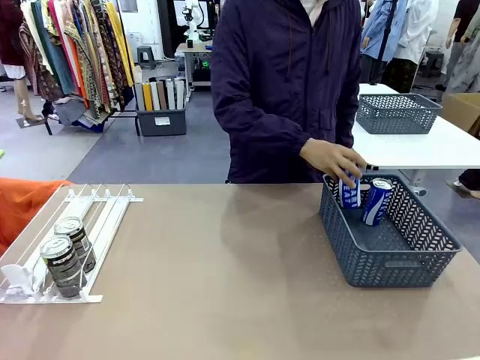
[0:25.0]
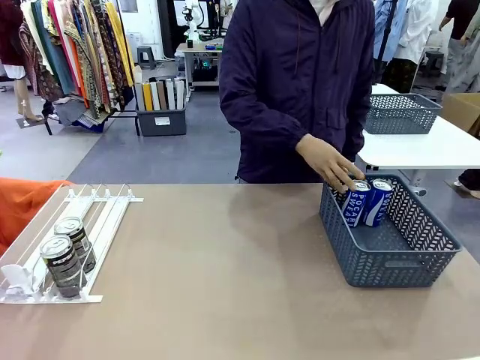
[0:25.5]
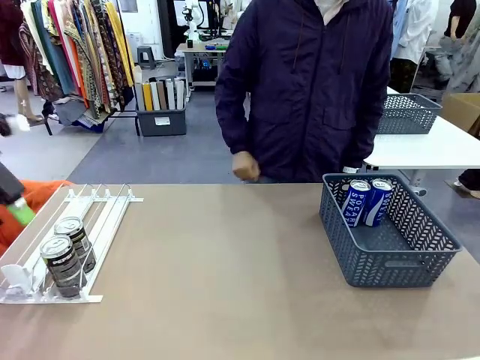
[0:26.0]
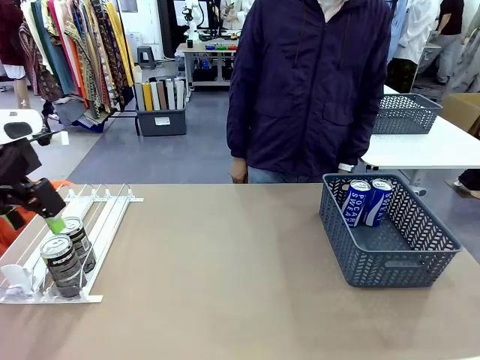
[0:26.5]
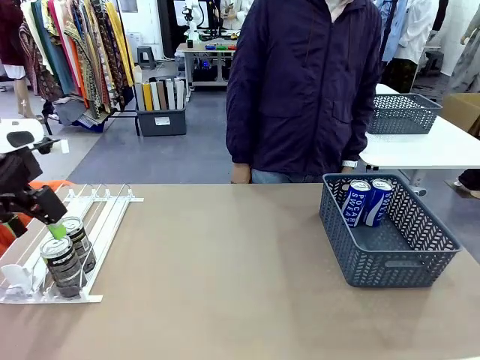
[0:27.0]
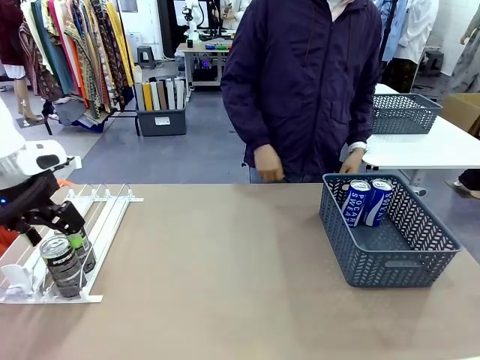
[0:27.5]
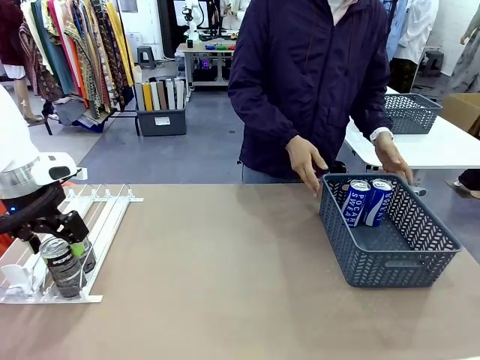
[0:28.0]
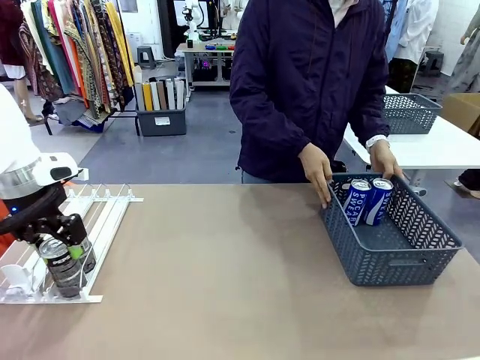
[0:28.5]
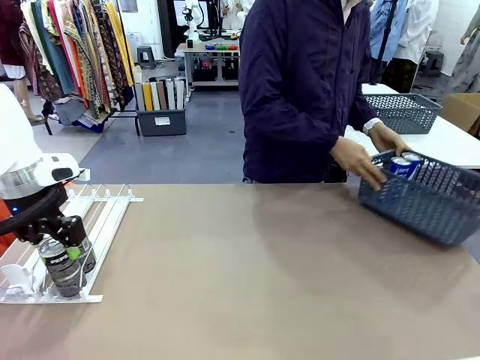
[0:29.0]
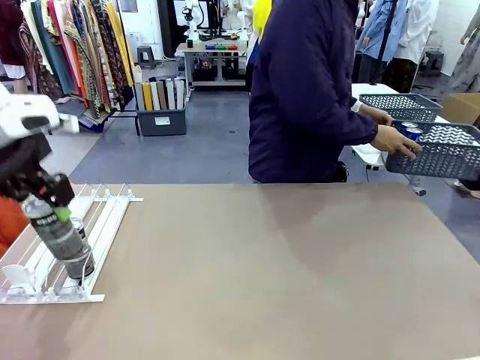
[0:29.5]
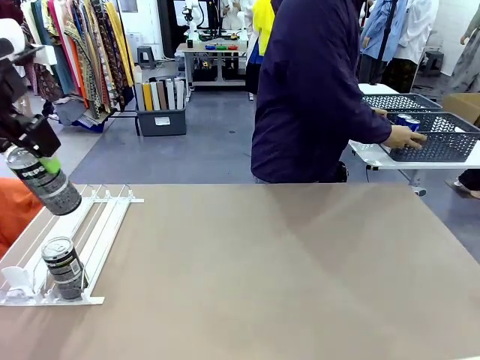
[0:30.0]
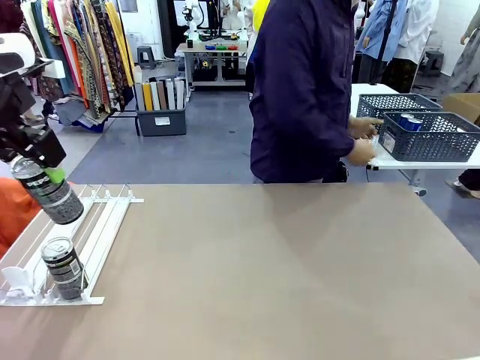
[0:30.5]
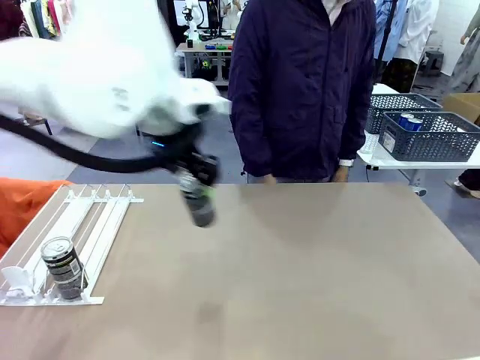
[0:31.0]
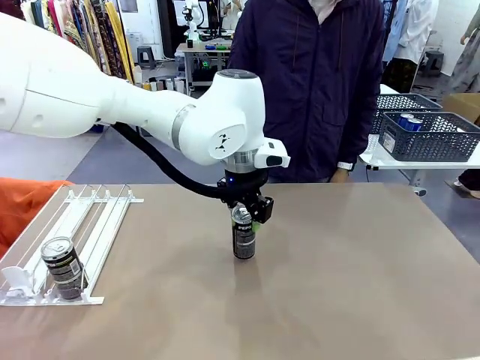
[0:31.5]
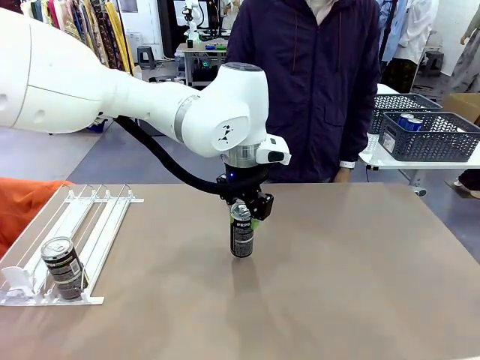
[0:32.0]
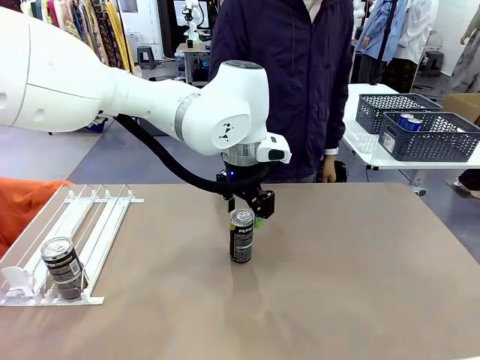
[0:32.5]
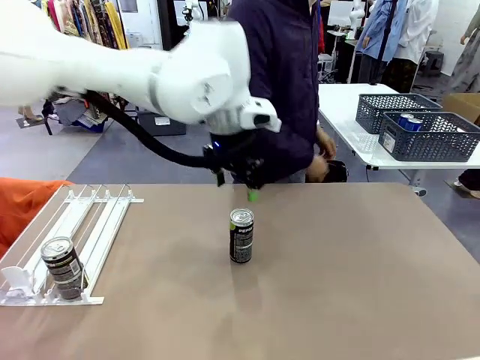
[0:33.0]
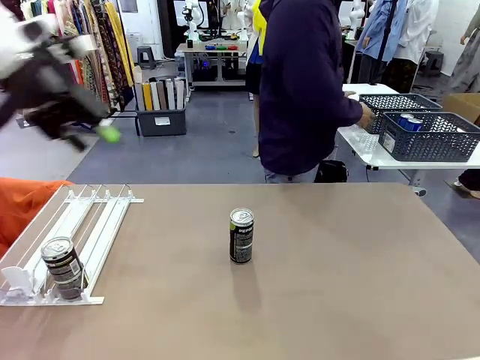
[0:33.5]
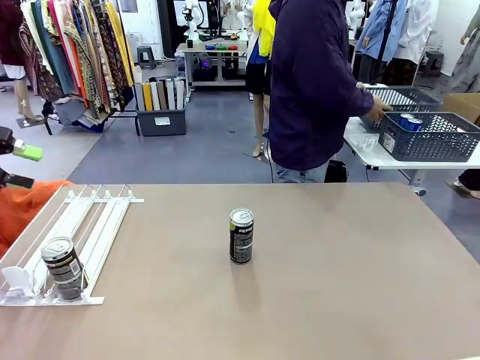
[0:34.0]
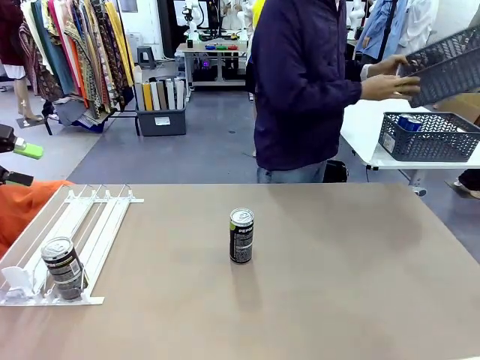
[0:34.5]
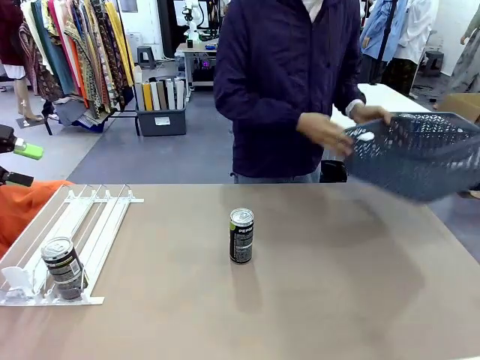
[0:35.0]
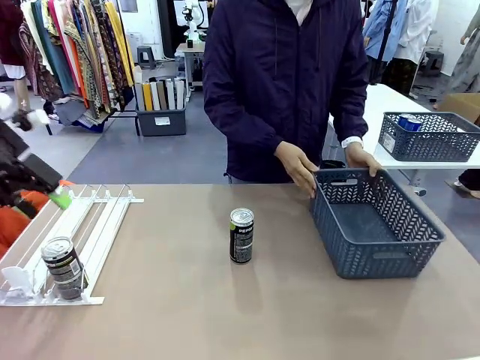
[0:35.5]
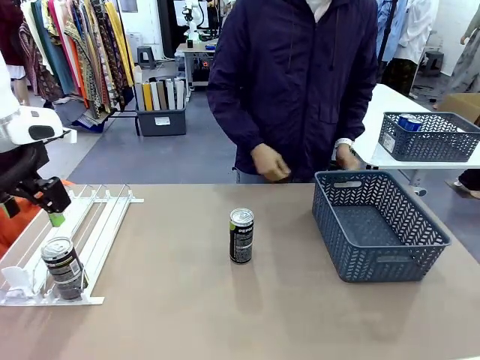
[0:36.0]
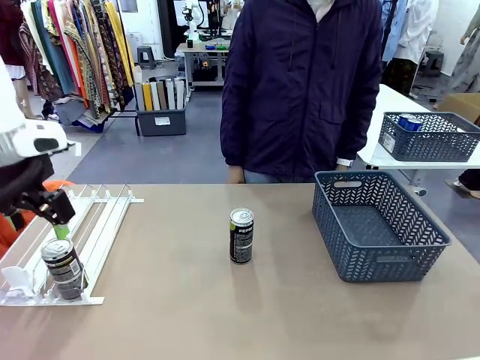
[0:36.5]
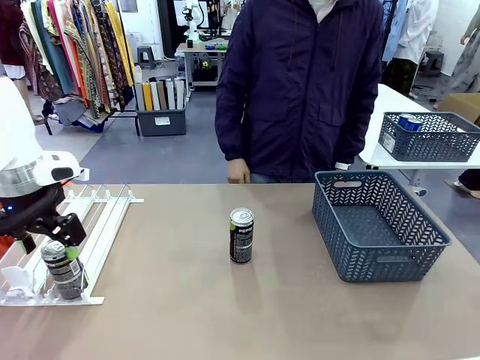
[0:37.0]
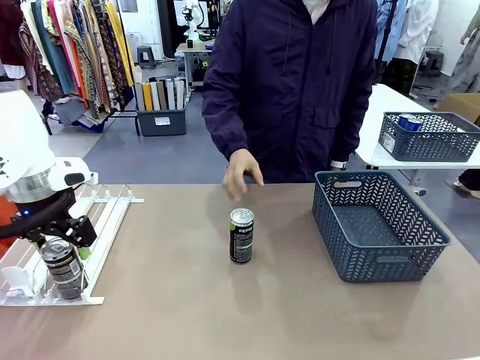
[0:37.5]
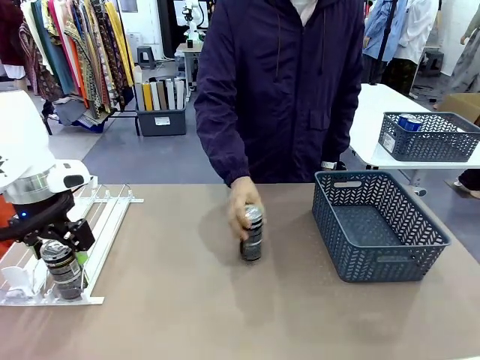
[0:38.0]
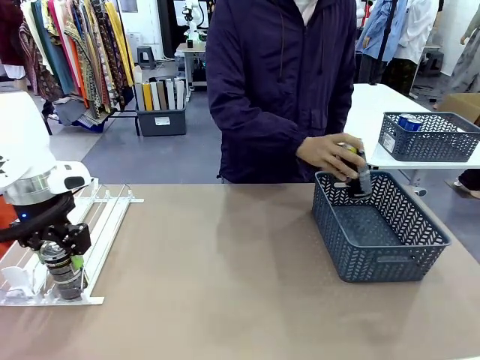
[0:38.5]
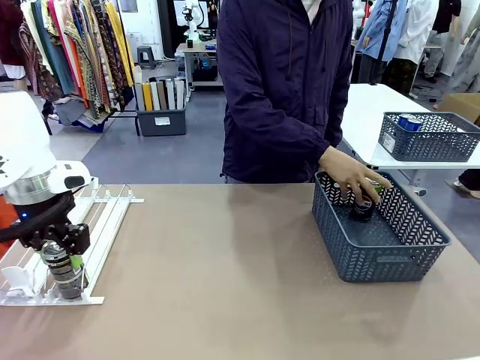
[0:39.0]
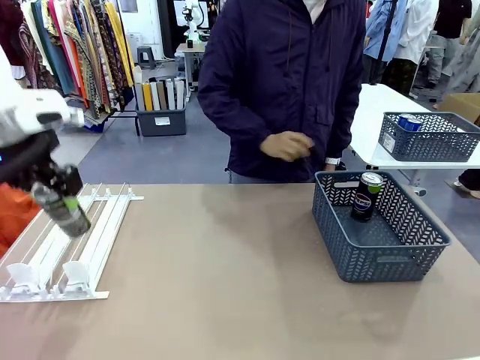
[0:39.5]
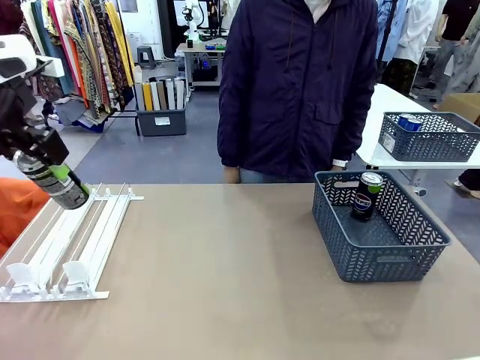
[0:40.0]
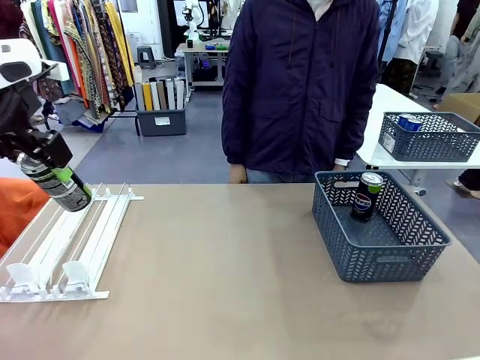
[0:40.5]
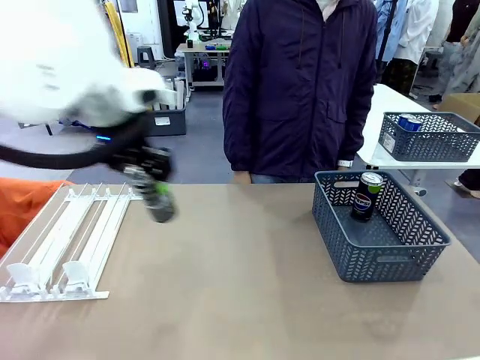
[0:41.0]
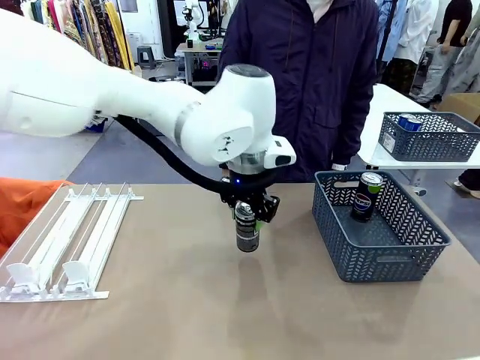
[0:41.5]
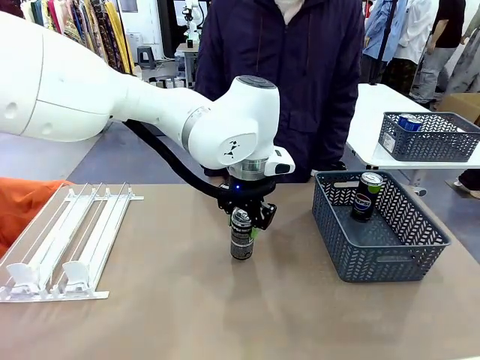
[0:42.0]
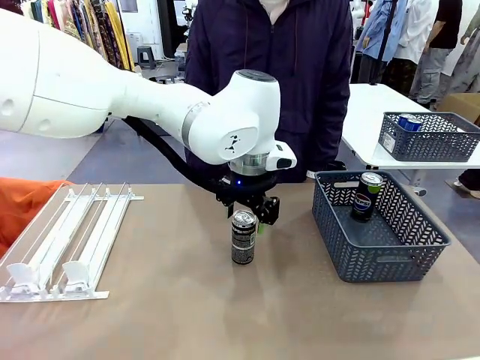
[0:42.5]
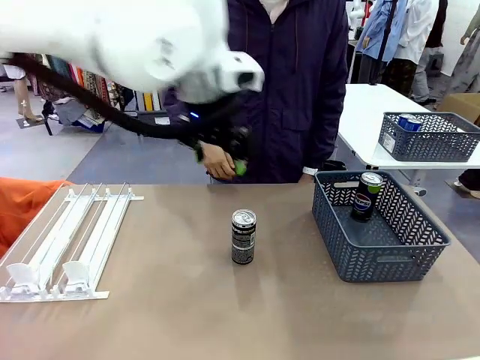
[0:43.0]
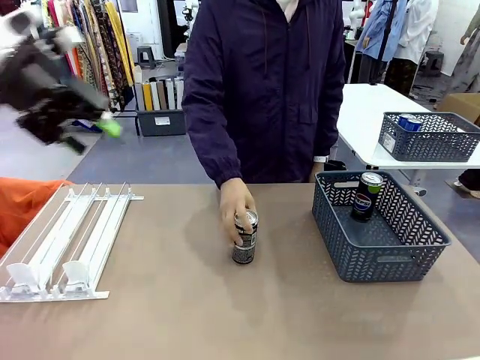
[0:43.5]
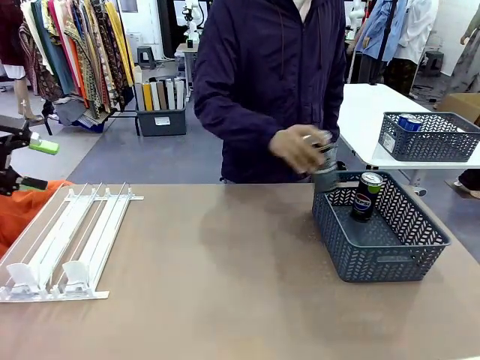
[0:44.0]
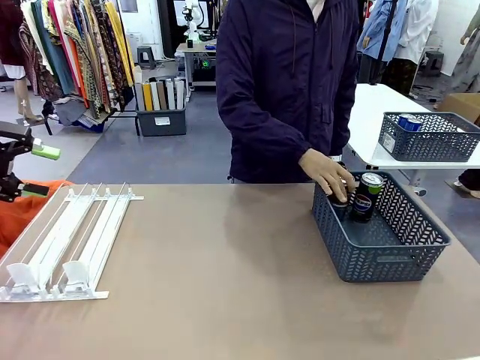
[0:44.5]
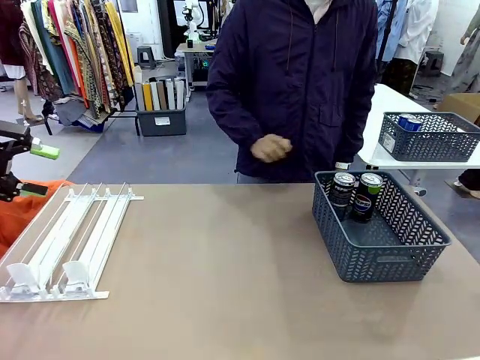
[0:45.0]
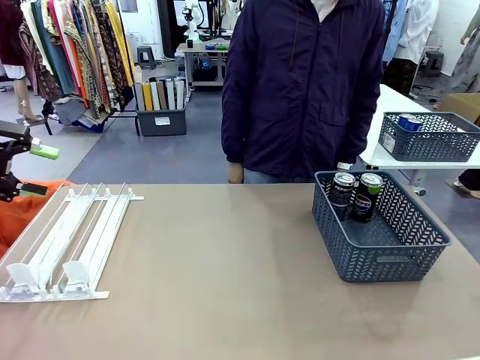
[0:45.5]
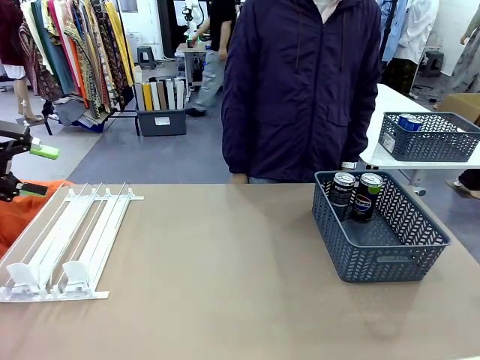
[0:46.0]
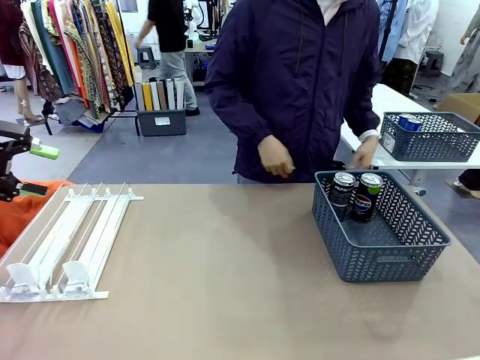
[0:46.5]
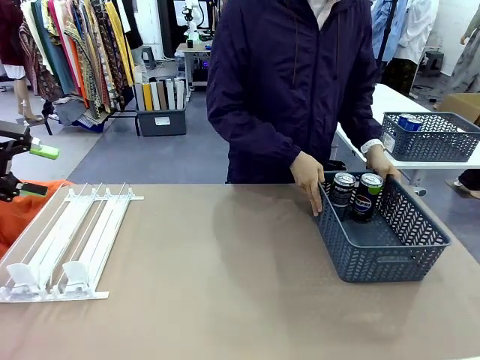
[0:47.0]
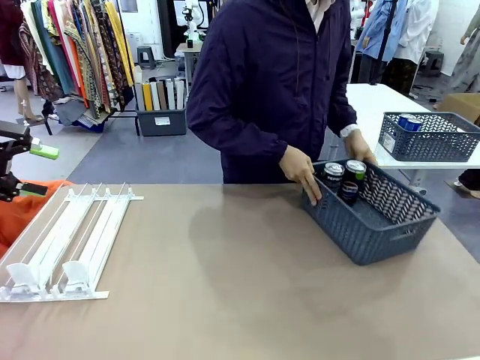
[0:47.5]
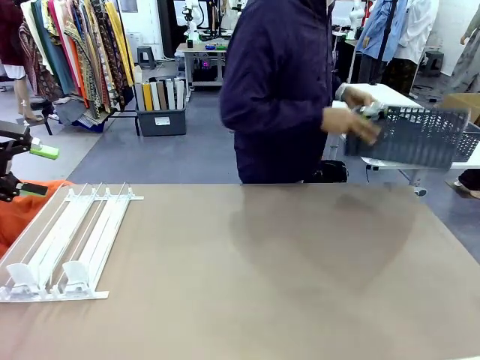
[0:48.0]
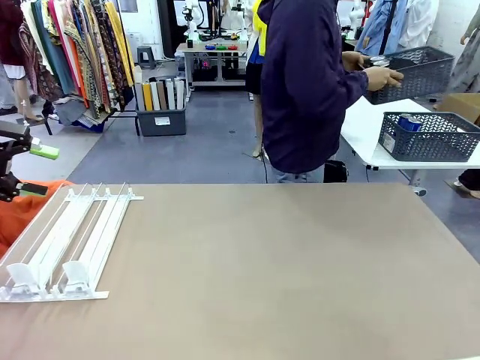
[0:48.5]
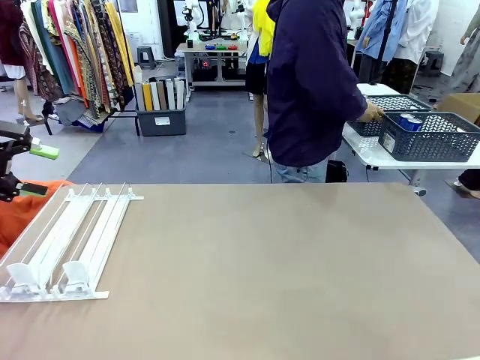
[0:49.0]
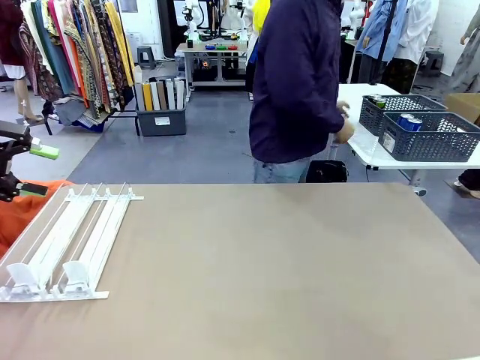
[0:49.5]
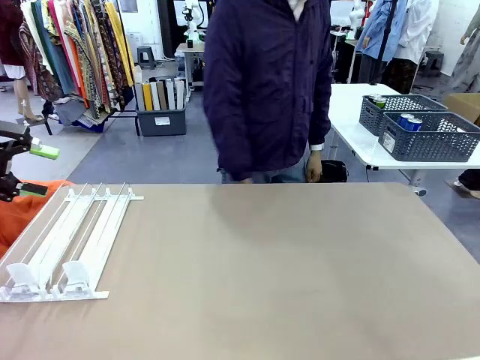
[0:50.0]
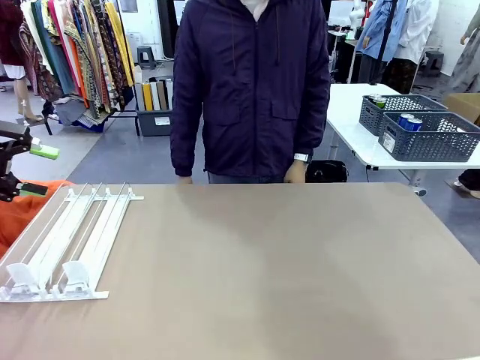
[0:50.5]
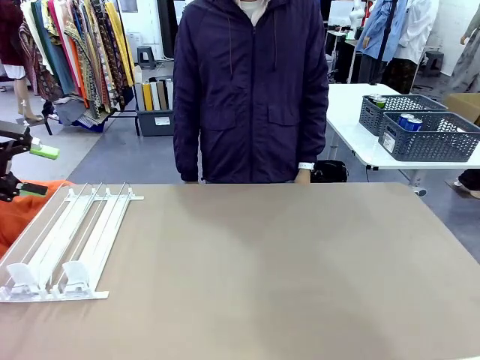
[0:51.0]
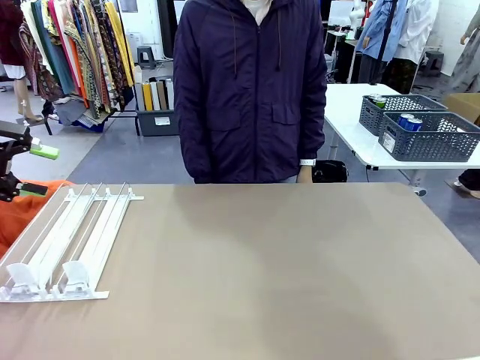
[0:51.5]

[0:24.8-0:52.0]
Task: Retrieve and store the cans from the dispenser.
Robot: Pick up one can from the Automatic Can Dispenser and place it in the middle of the table.
Person: Pick up the basket and place it in the middle of the human table. Pick up the empty basket and place it on the left side of the robot table. Pick up one sports drink can from the middle of the robot table and place it in the basket. Pick up the basket and place it in the middle of the human table.
